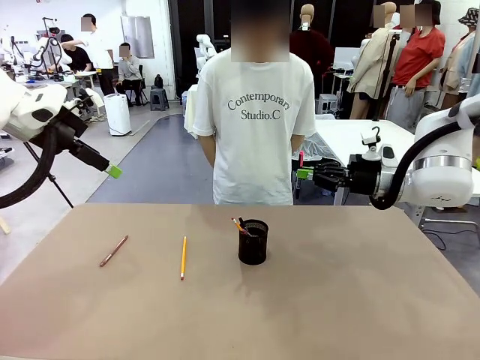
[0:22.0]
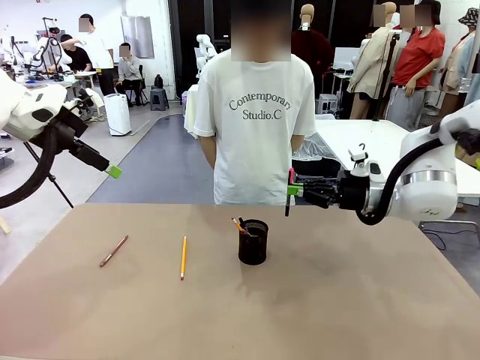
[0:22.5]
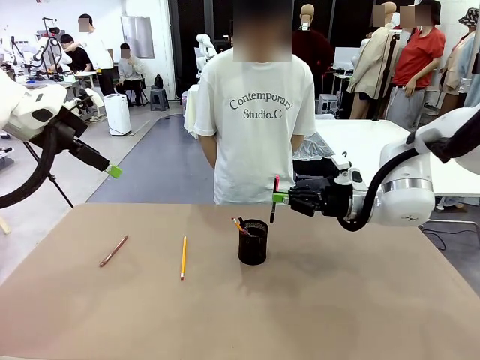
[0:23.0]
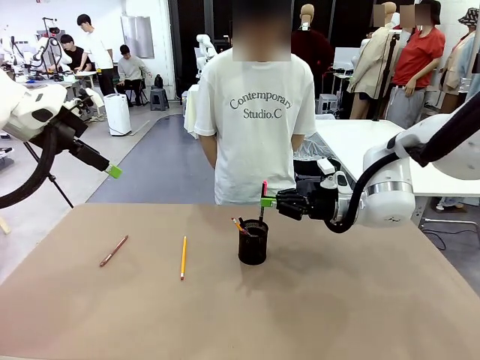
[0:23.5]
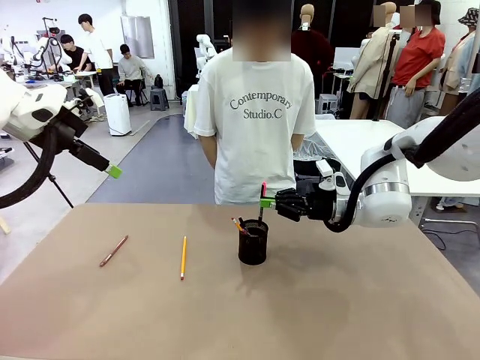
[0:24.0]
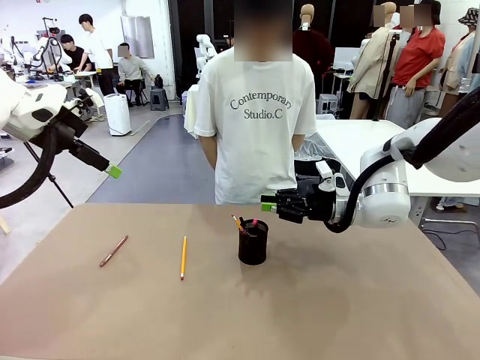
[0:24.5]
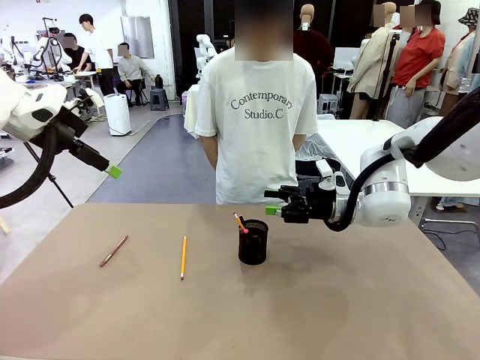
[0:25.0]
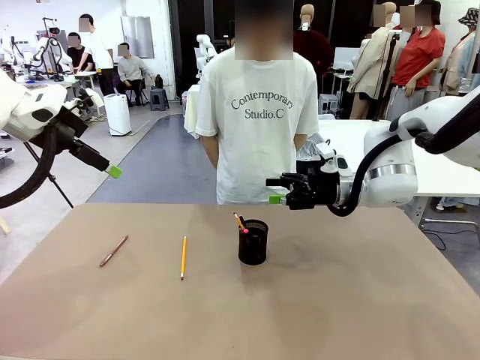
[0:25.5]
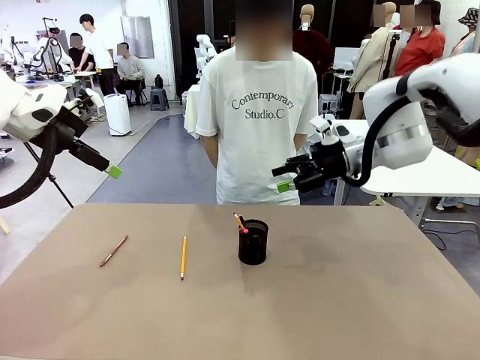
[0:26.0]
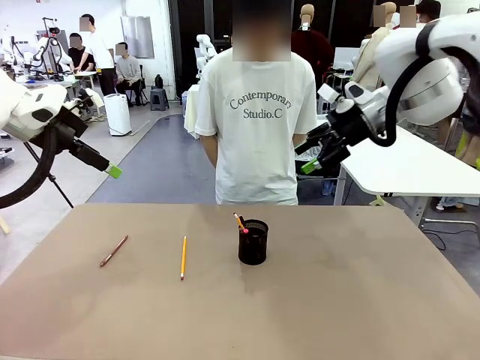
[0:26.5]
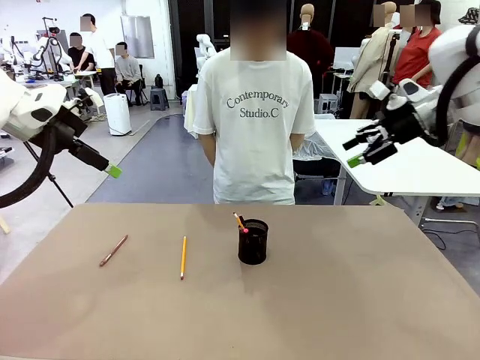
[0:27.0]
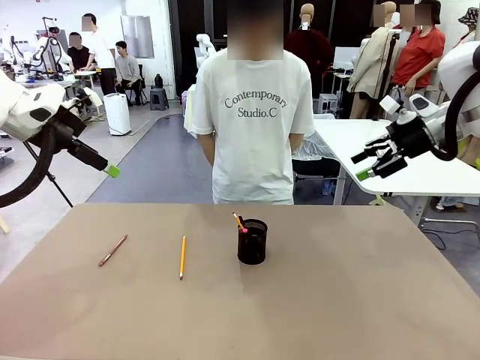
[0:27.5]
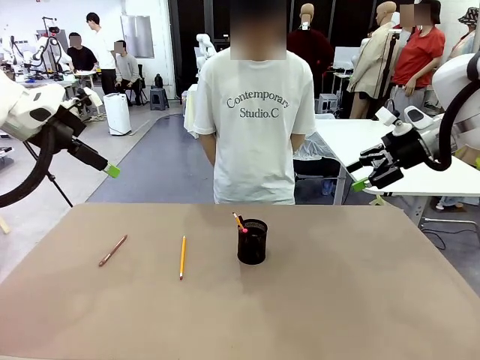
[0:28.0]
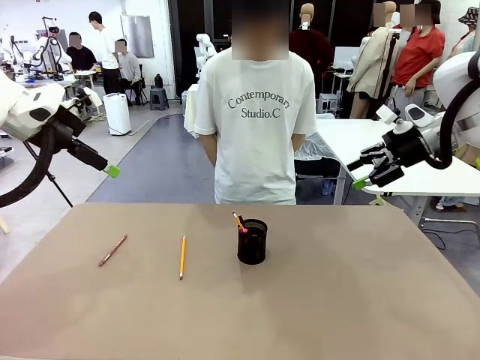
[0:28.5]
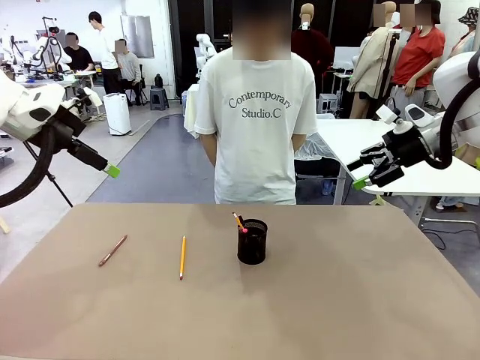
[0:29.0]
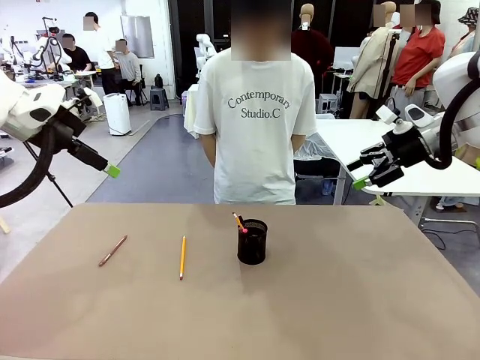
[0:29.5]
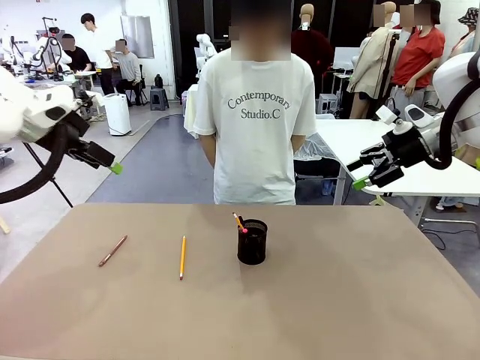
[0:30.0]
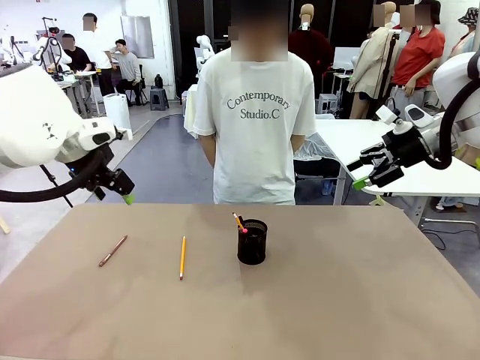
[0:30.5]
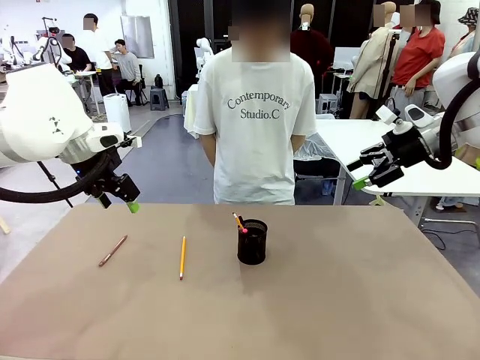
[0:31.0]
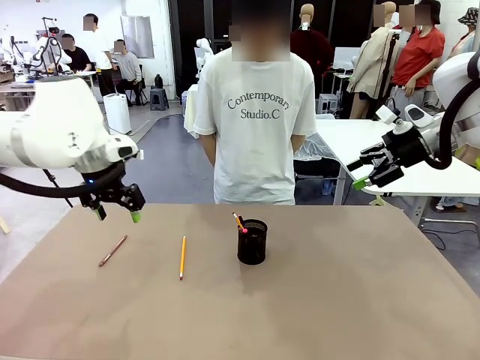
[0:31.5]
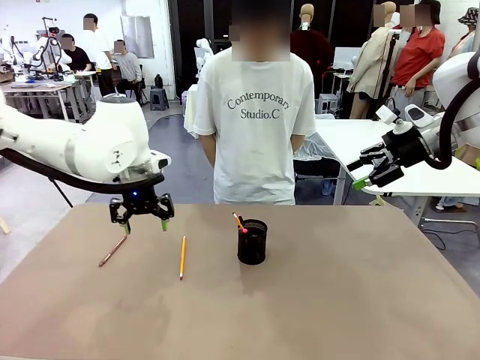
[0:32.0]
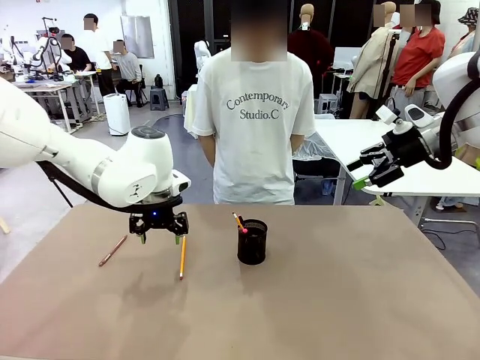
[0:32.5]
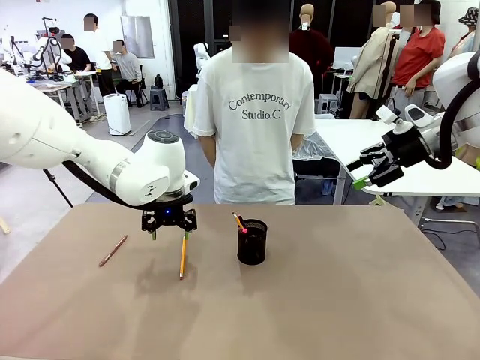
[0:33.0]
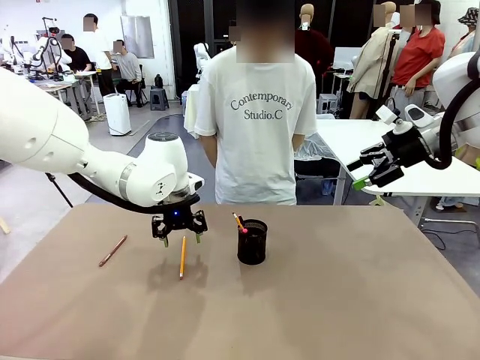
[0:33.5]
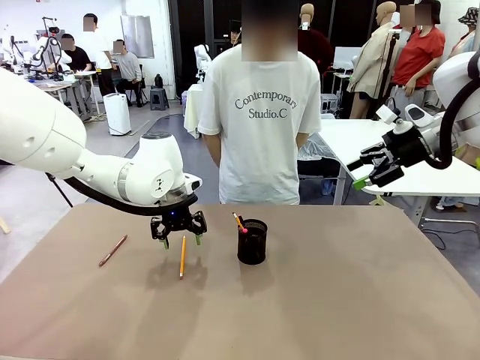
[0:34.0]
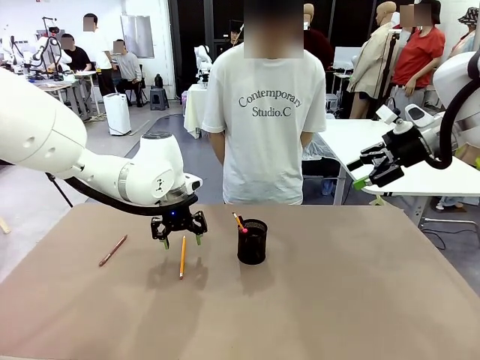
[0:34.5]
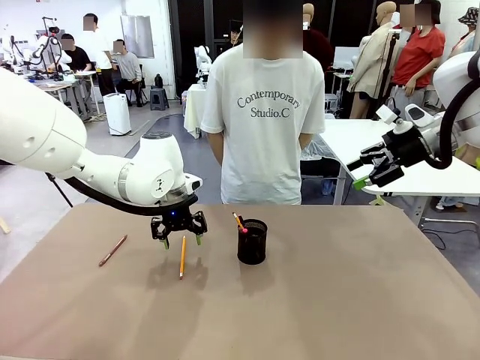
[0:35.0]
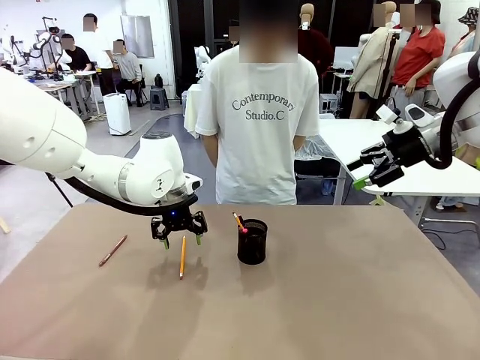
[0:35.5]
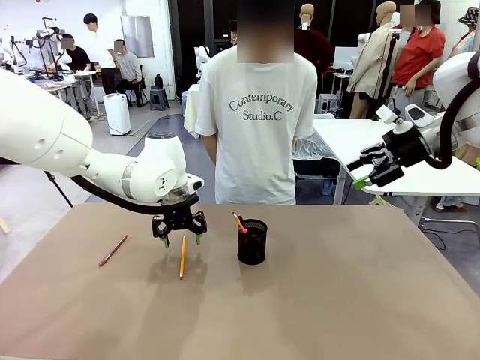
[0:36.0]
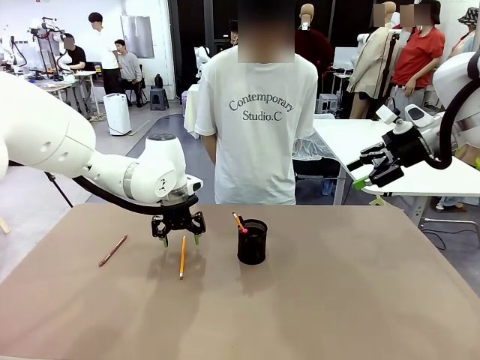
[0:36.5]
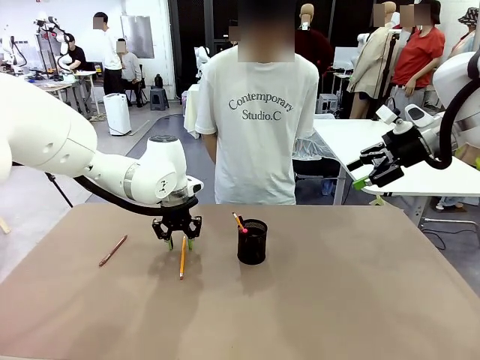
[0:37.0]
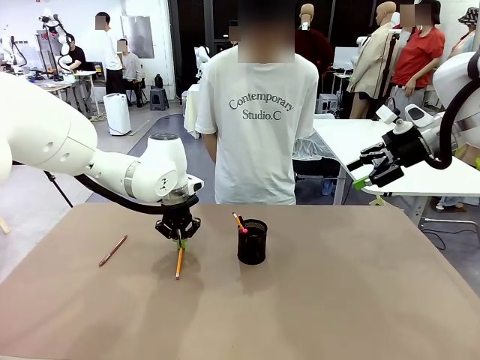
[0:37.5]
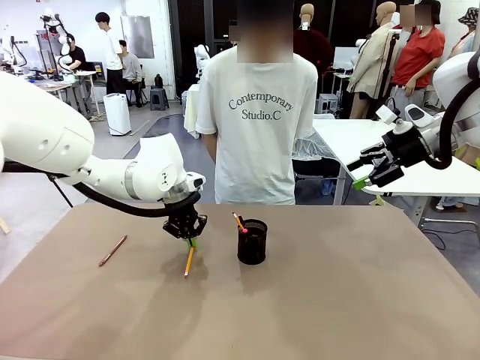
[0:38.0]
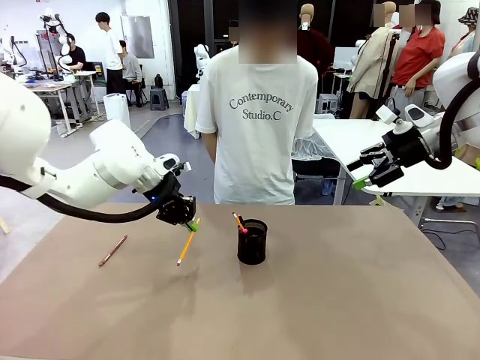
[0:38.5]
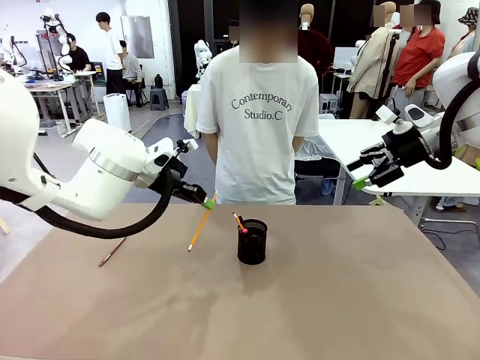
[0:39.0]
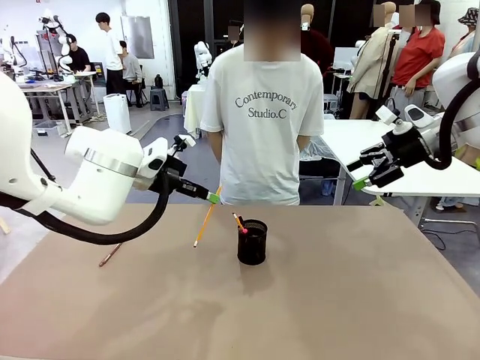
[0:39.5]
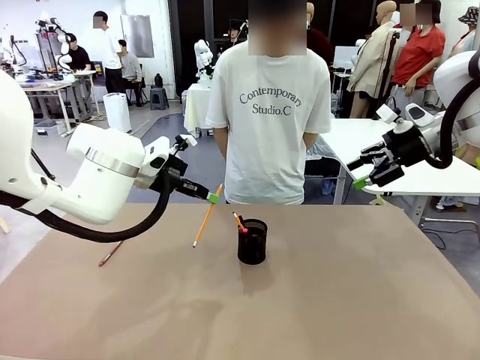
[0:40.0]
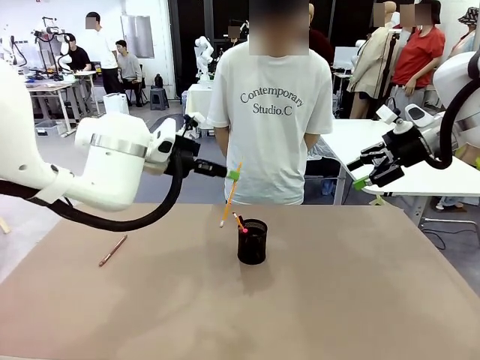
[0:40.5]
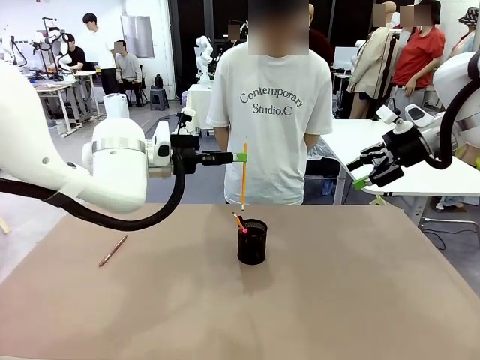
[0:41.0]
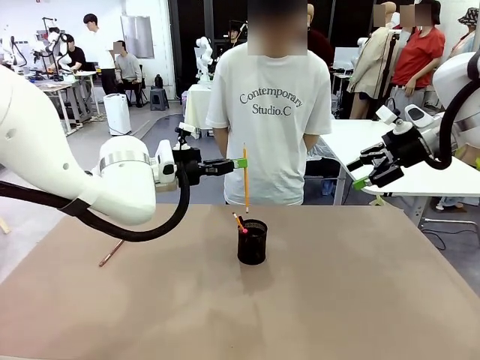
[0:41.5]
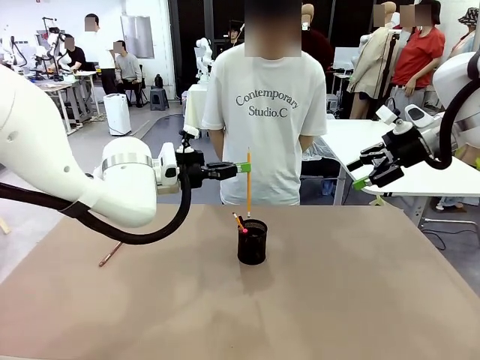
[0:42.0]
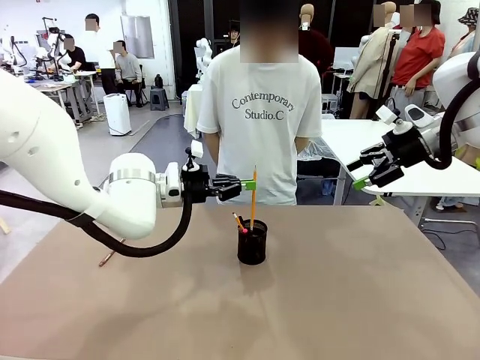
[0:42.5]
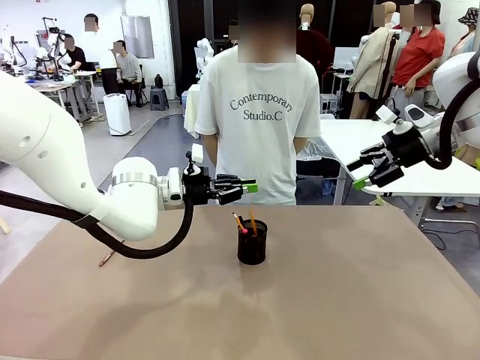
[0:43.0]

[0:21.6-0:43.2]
Task: Place the pens into the pen holder.
Robot: Pick up a writing instrument from the table and place it into the Pen holder.
